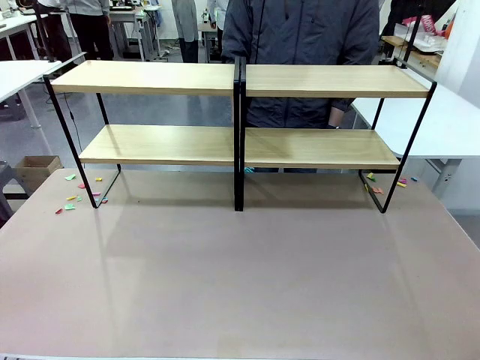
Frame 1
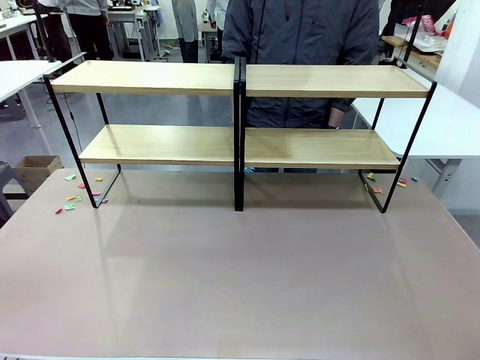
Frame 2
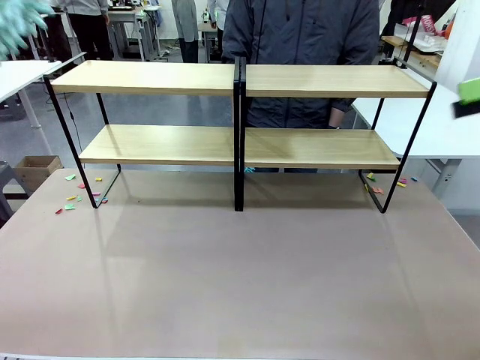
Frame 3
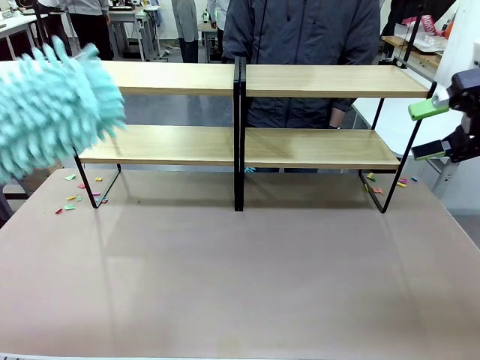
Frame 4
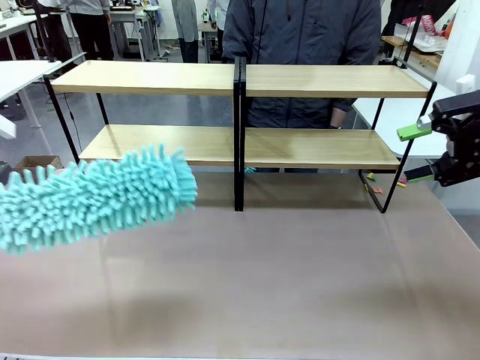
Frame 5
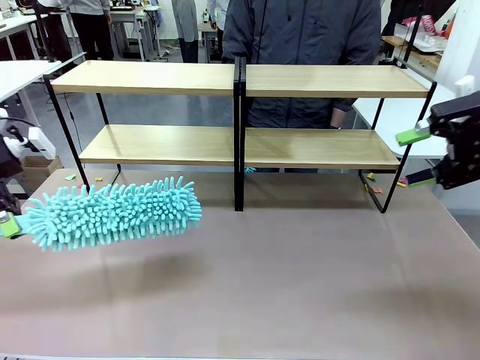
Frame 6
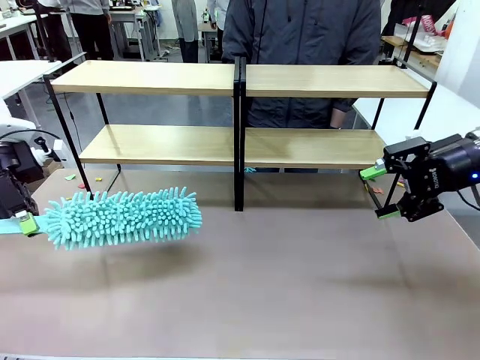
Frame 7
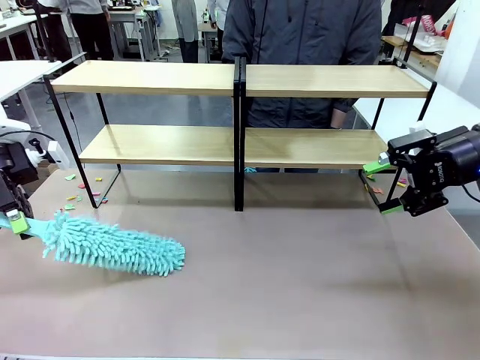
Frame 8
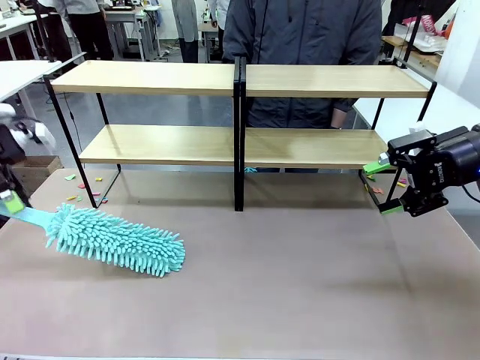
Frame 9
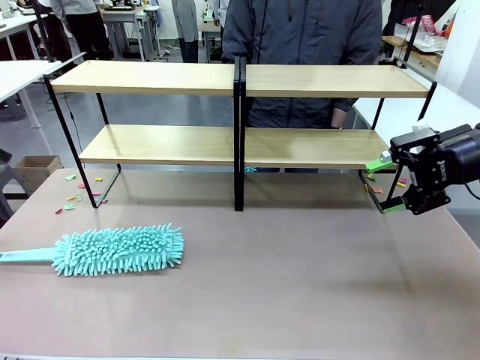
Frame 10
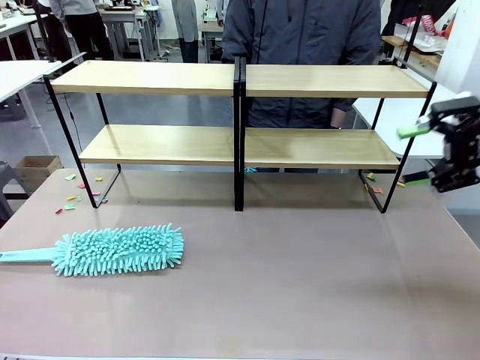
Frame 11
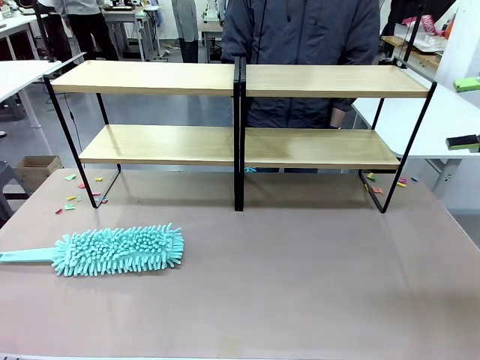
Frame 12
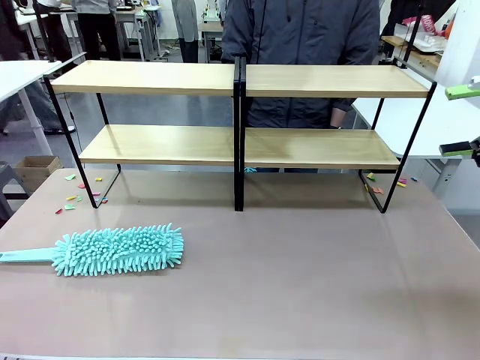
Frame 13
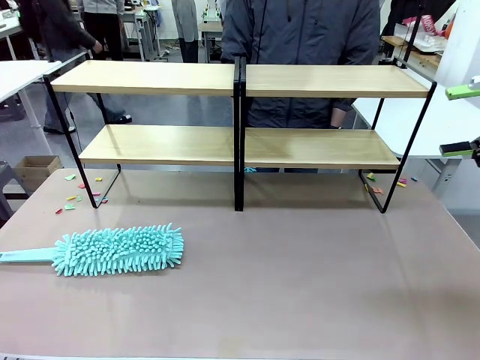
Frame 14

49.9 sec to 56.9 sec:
Task: Clean the shelves.
Robot: Place the Duster on the table.

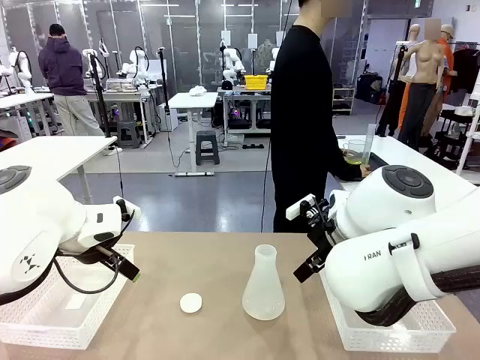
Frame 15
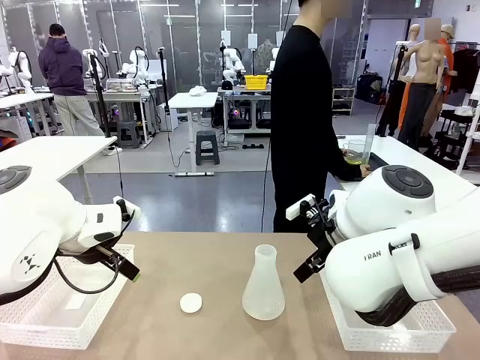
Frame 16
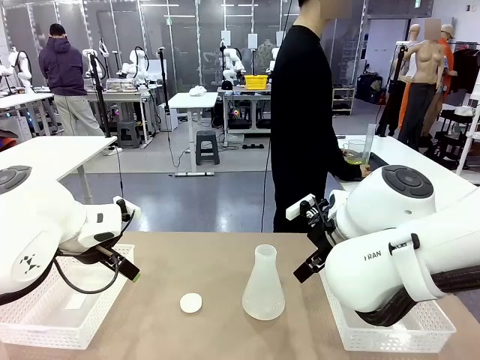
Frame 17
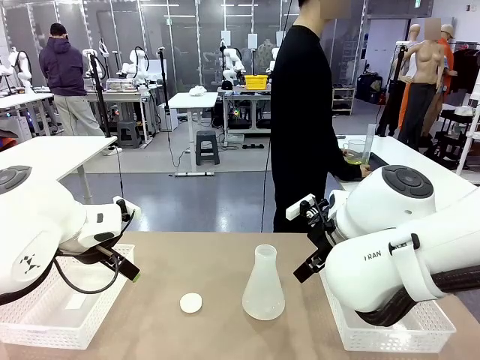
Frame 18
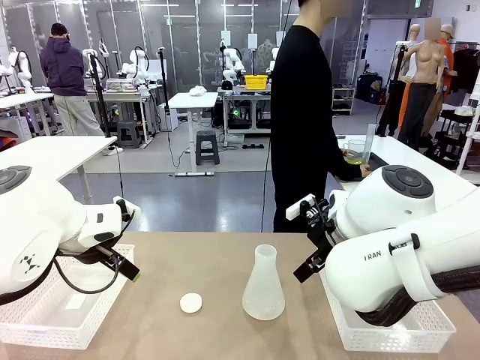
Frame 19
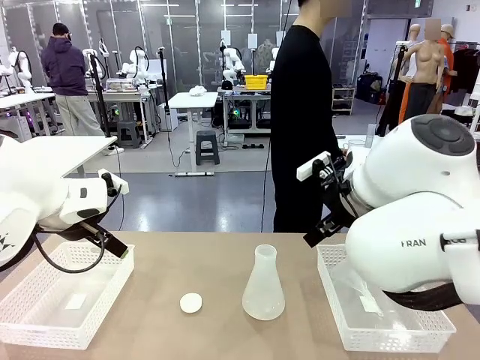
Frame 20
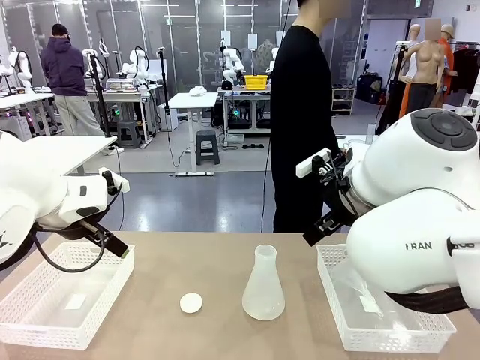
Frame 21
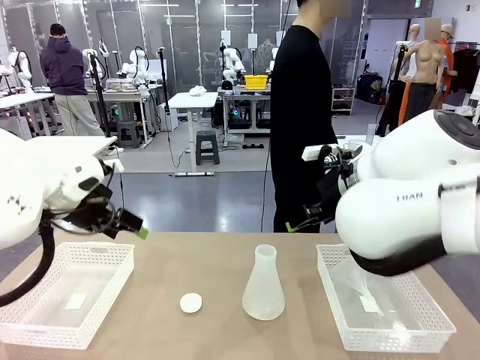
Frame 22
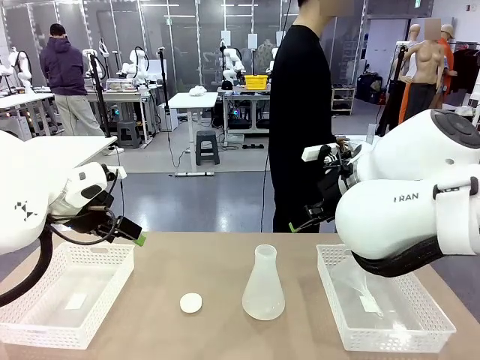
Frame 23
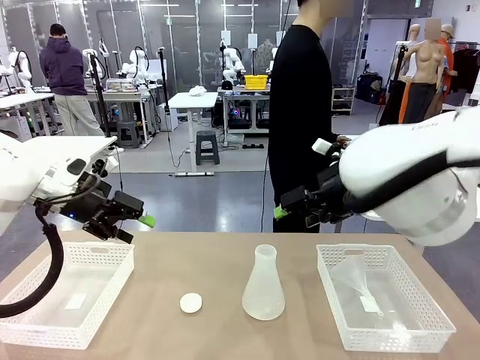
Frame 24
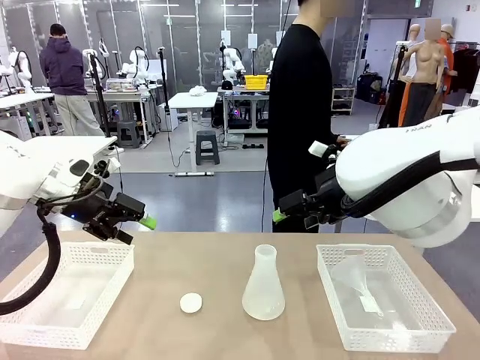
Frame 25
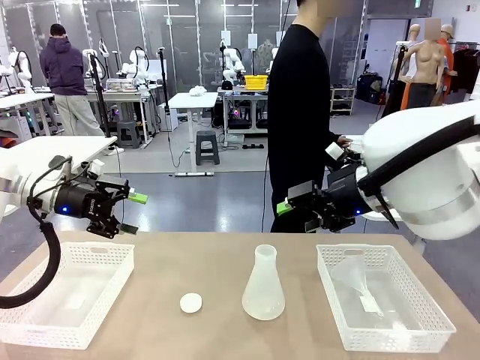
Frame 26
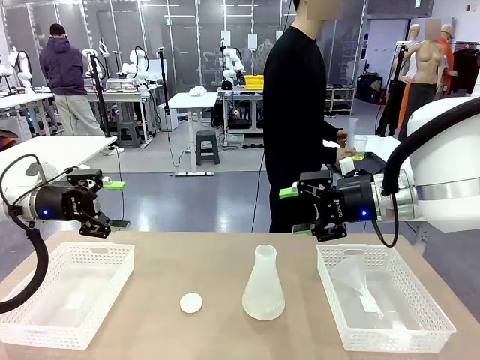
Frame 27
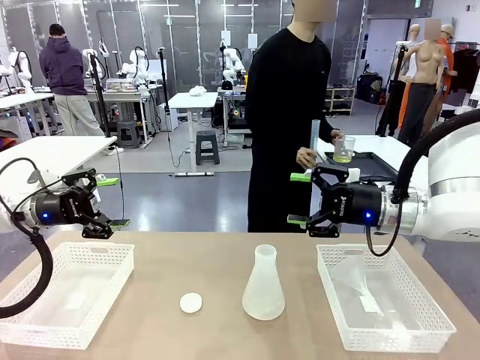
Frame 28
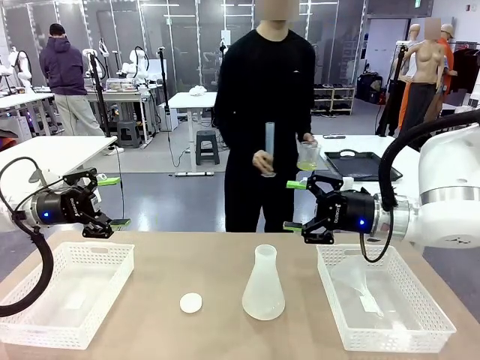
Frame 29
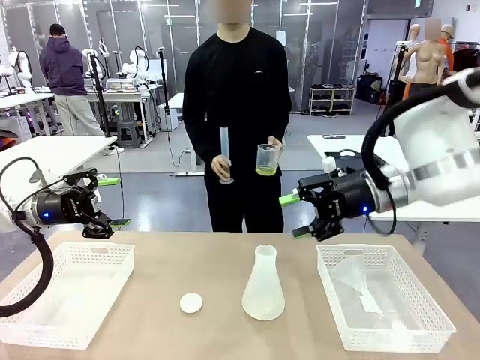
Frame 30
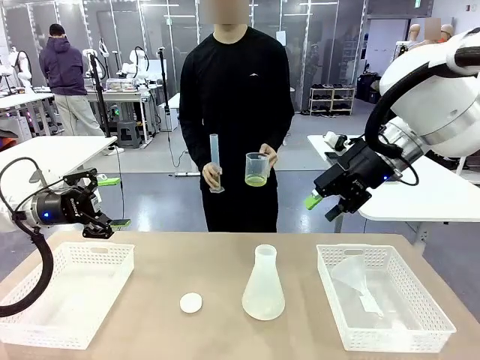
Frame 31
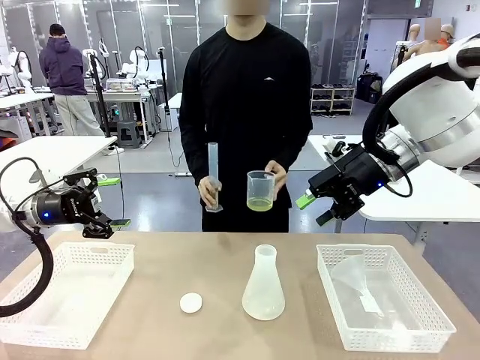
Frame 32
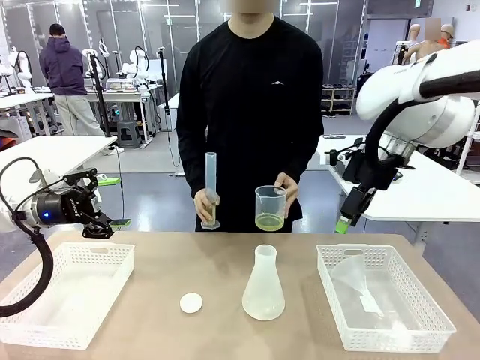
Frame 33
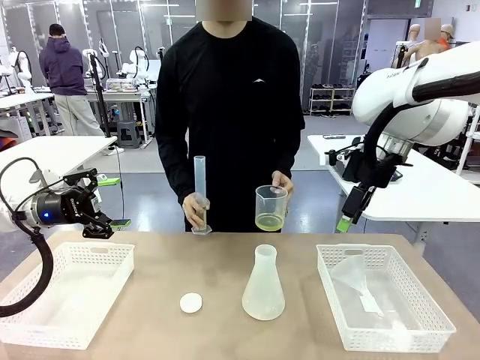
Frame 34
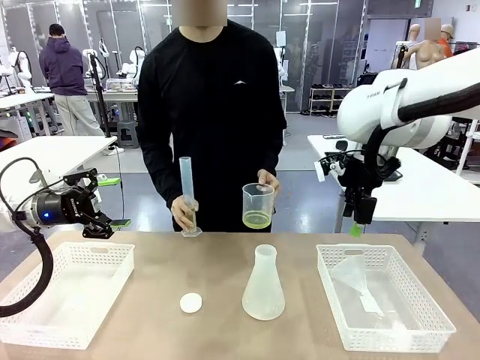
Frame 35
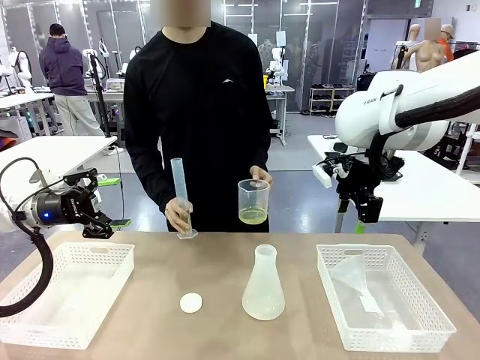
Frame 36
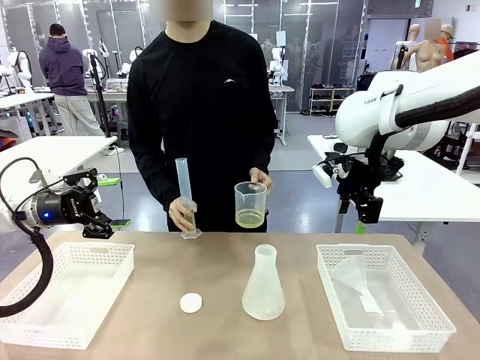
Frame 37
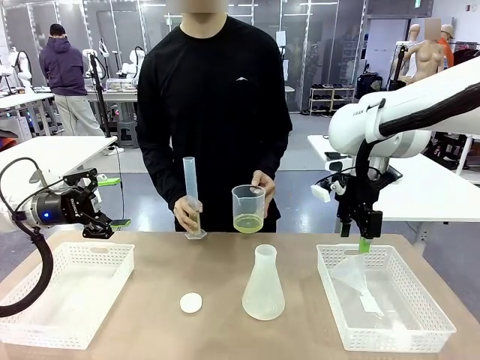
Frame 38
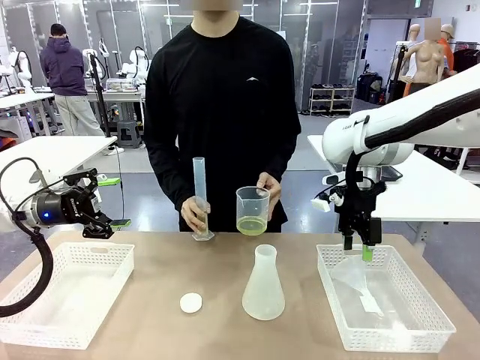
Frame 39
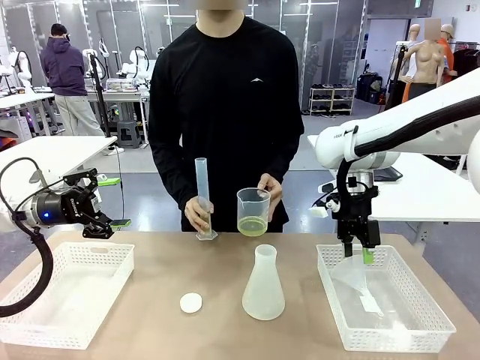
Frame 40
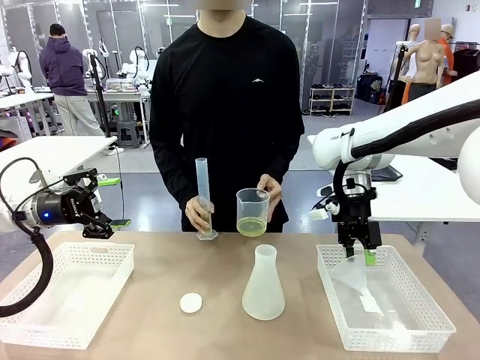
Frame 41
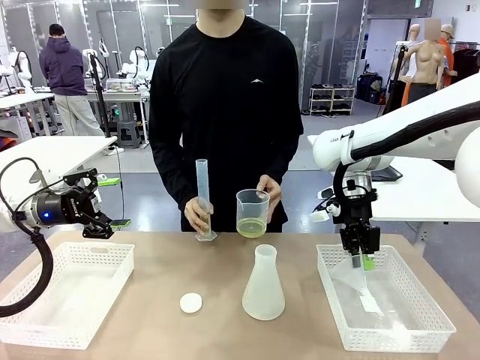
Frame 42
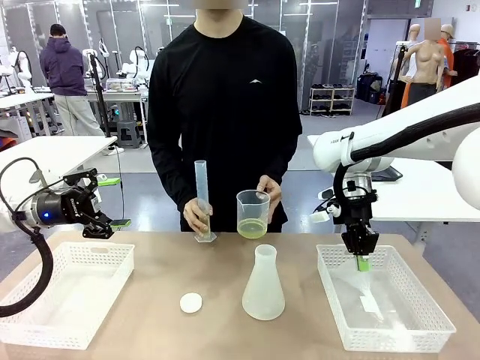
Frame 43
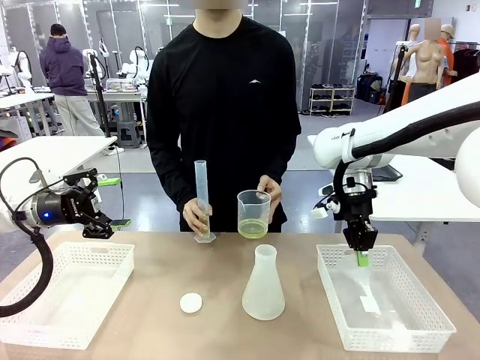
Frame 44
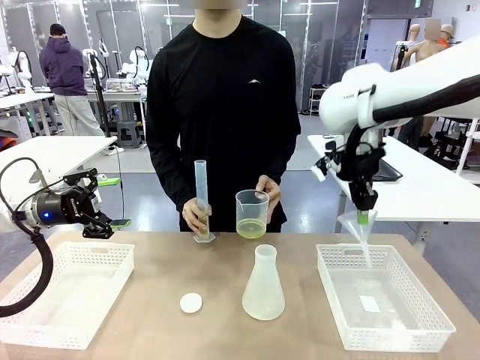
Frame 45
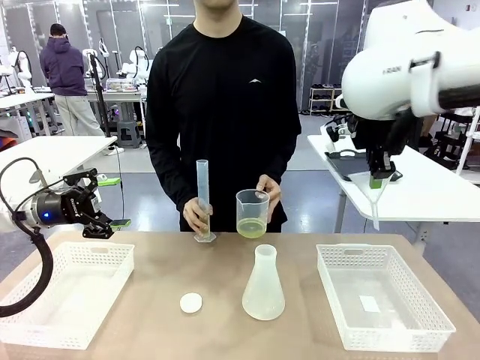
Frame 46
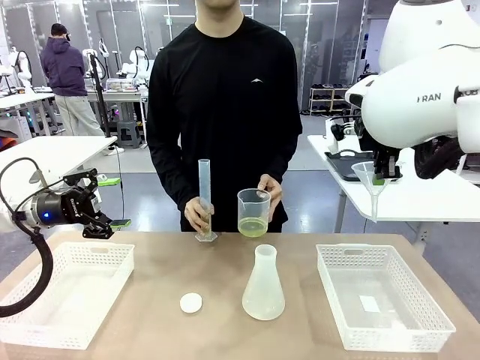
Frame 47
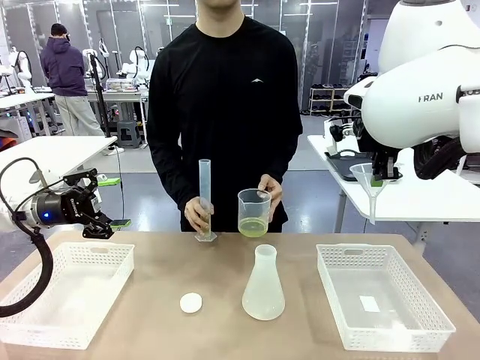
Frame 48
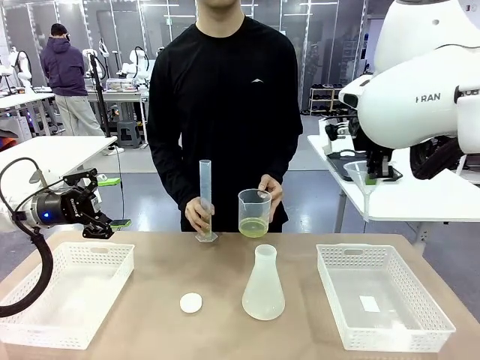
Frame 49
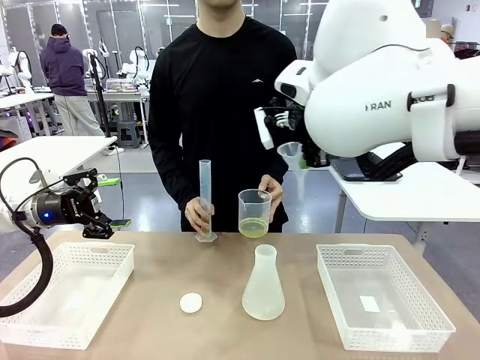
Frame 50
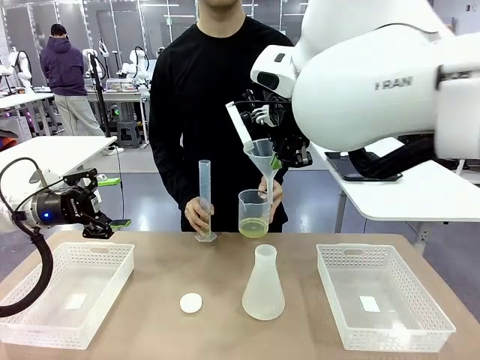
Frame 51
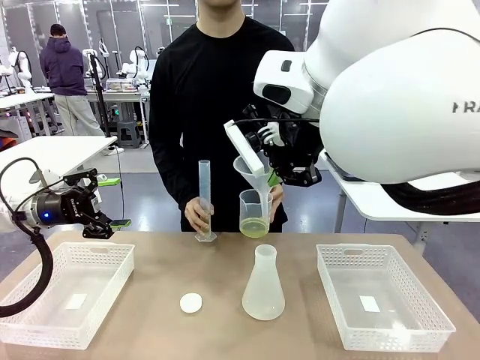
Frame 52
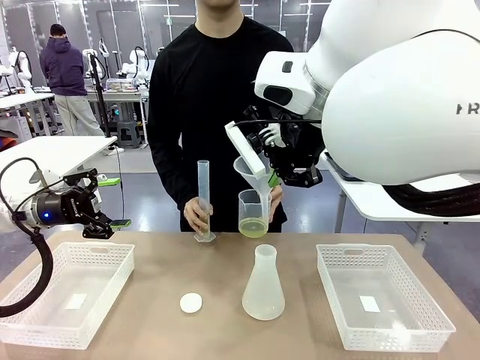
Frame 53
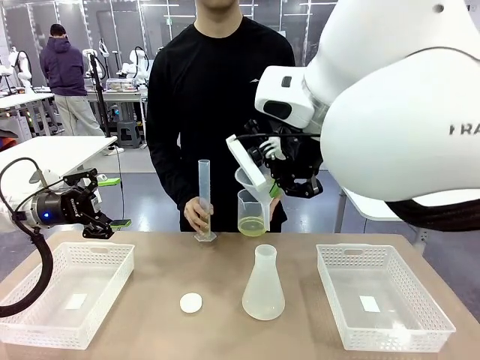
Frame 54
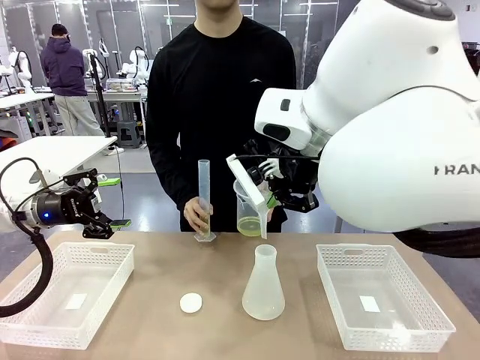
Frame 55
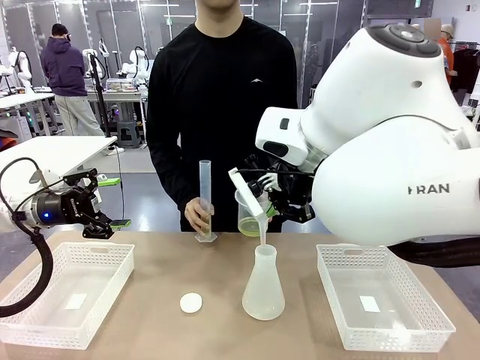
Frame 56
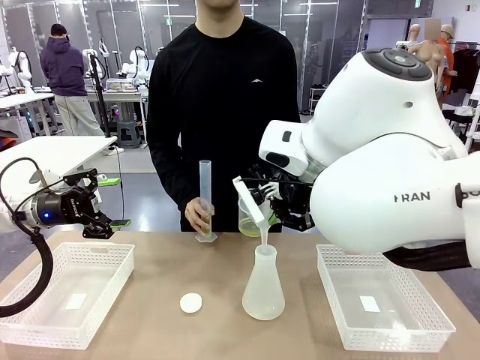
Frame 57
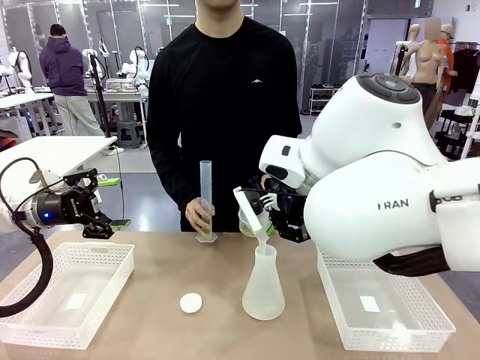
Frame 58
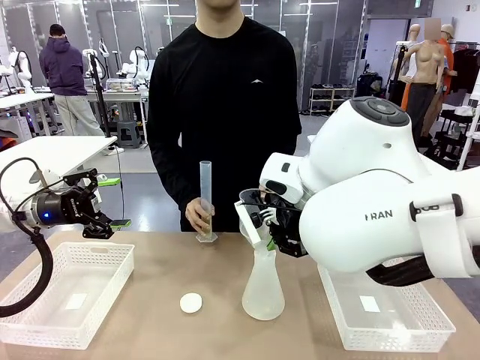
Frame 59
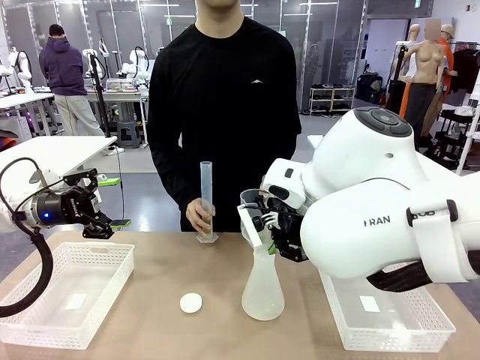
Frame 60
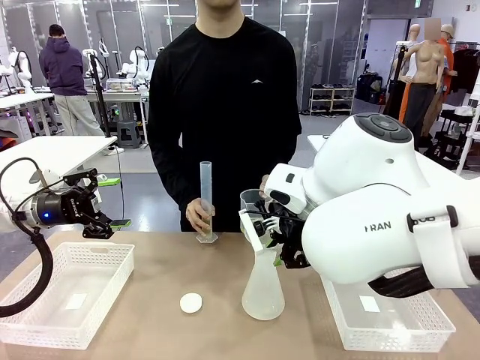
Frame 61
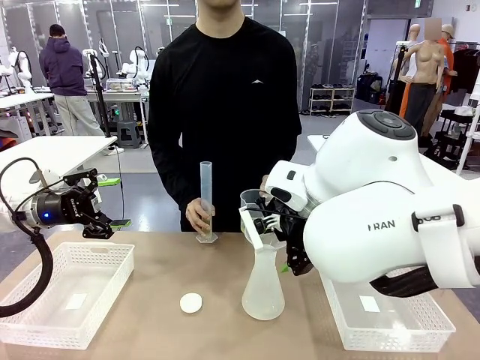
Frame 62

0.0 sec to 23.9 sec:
Task: Prepare the solutions needed for the experiment.
Robot: Pick up the Plastic Funnel and insert it into the Big flask.
Person: Pick up the beaker and the cylinder and move to the middle of the robot table. Pour the solution from the beaker and the cylinder into the flask.
